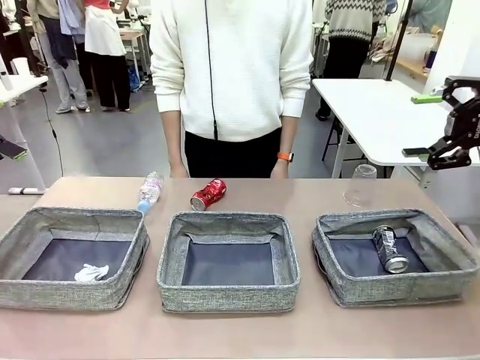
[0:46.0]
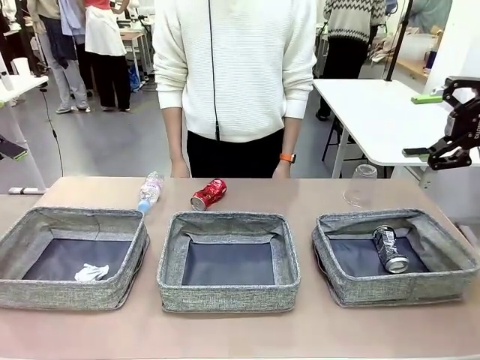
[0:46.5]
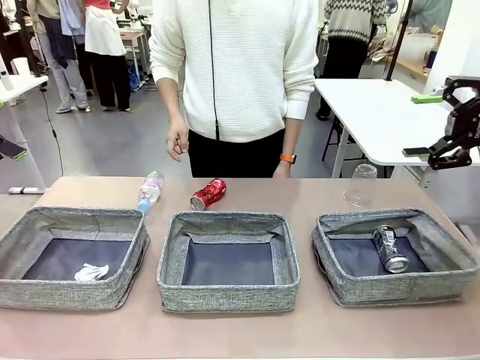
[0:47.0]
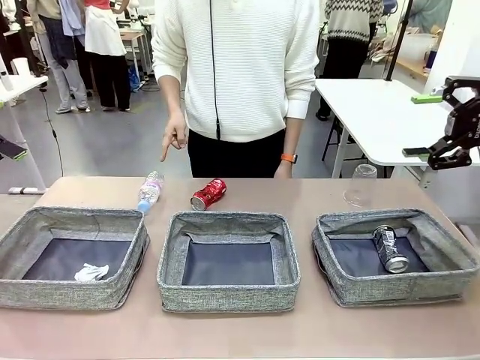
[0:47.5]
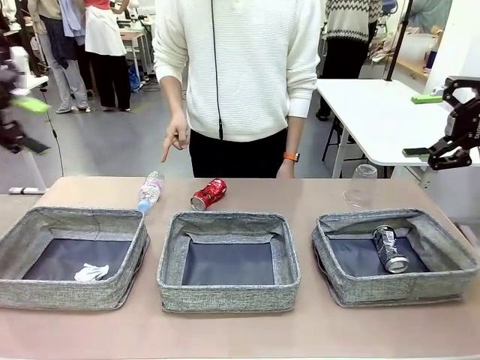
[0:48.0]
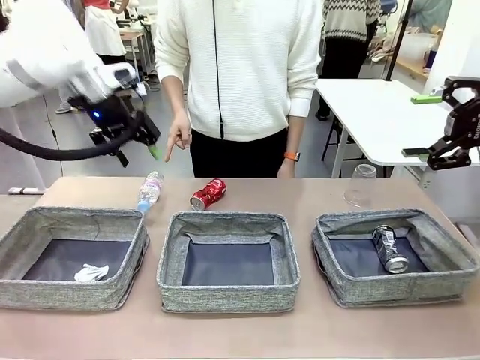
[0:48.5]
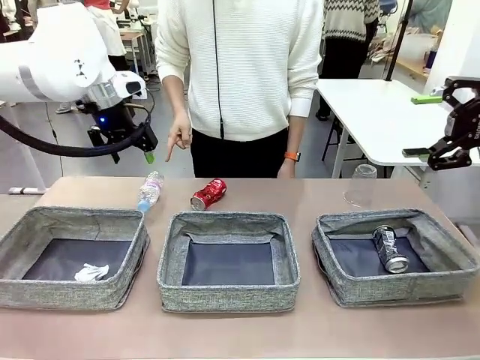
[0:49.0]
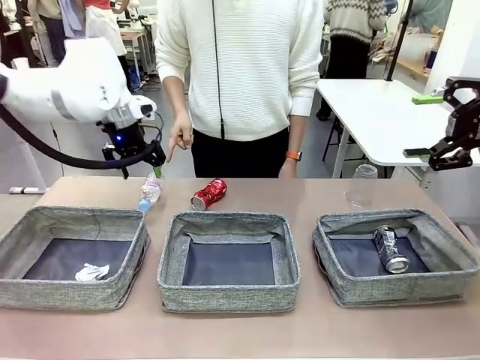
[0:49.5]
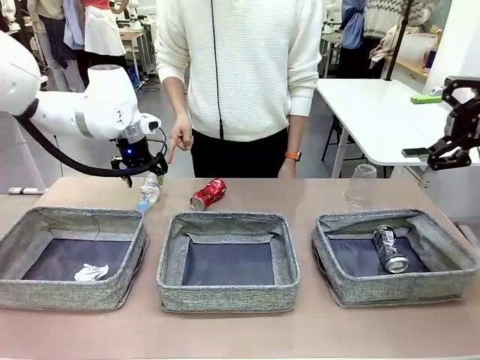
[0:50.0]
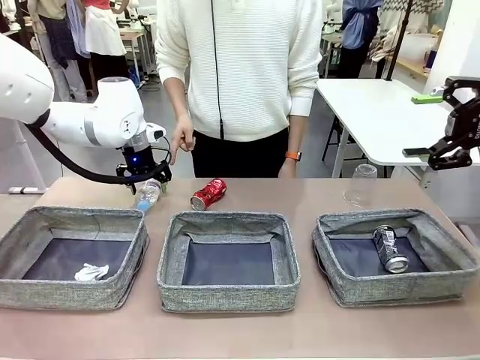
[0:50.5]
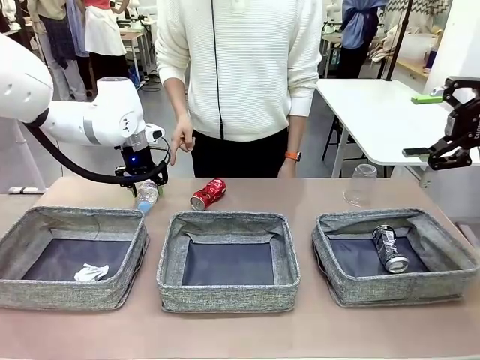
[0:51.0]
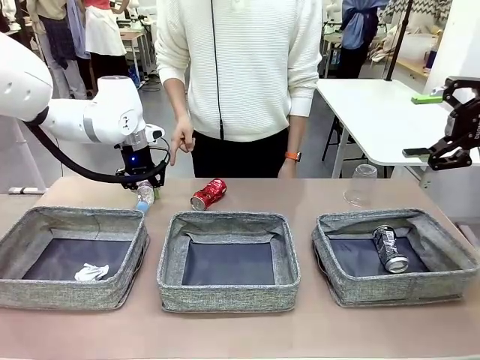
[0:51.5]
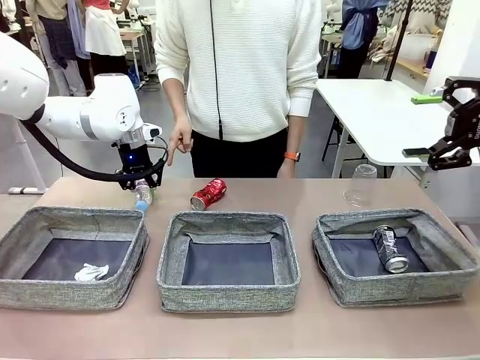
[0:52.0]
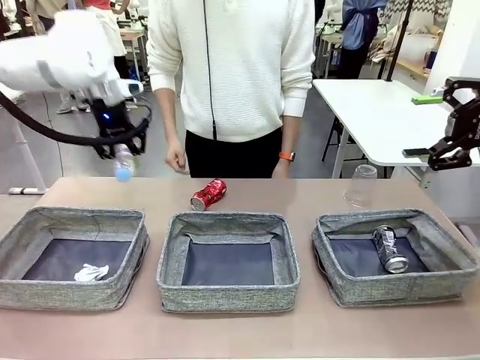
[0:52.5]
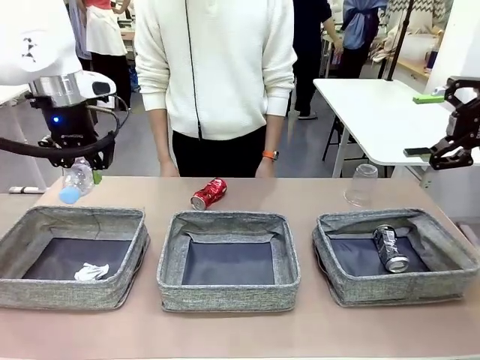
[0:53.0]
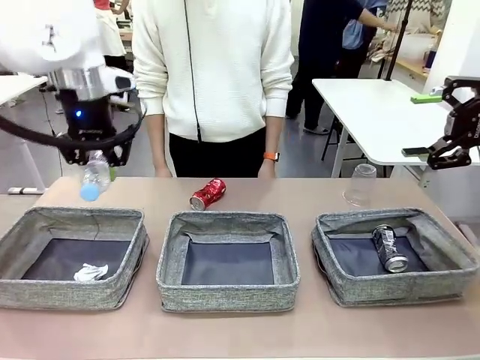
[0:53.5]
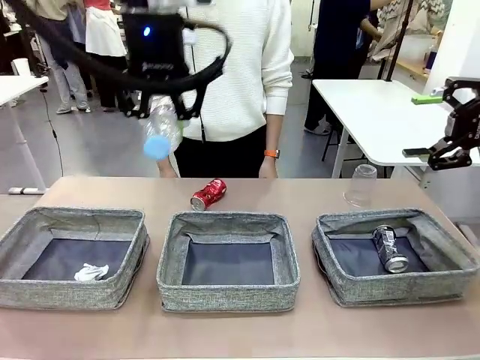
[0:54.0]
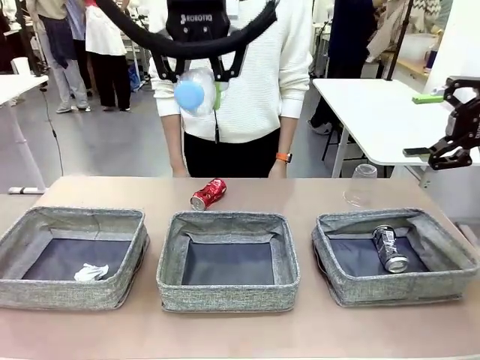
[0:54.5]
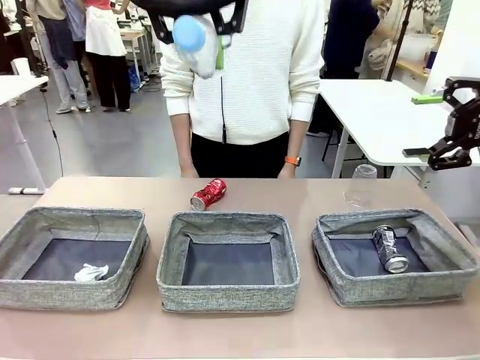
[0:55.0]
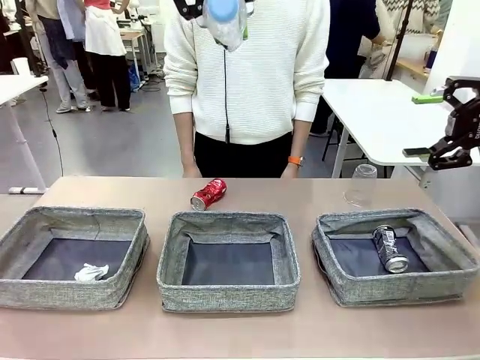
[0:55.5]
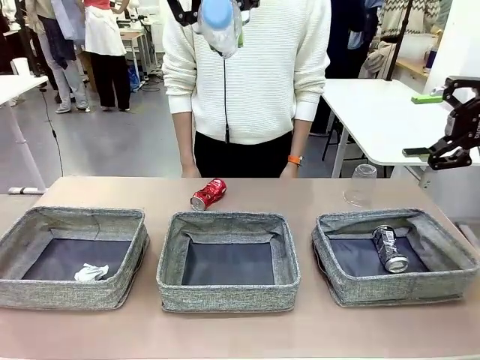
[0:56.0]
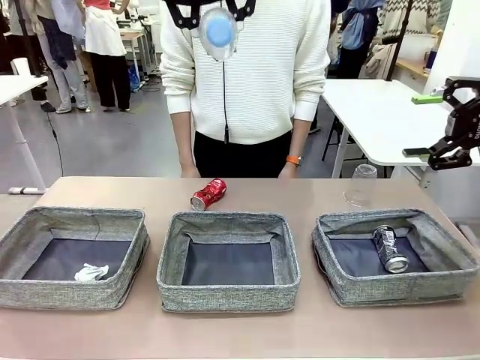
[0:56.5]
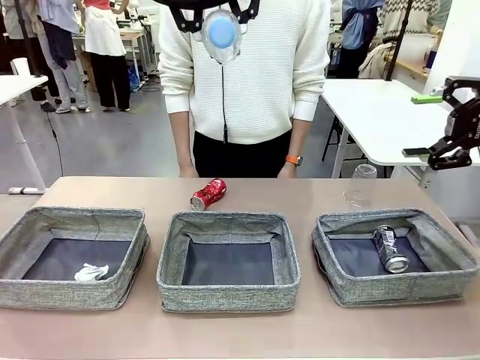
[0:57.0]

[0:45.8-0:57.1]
Task: Sort the waste into the appropriate baskets.
Robot: Pick up the waste item pointed out by the person.
Person: Points to one piece of trash on the table.

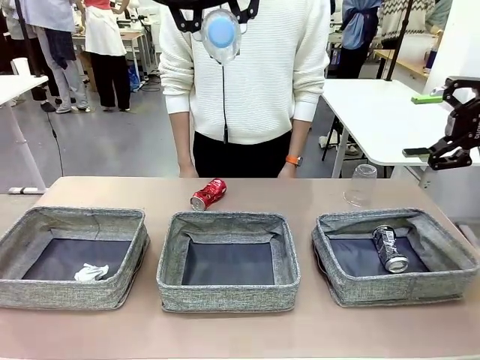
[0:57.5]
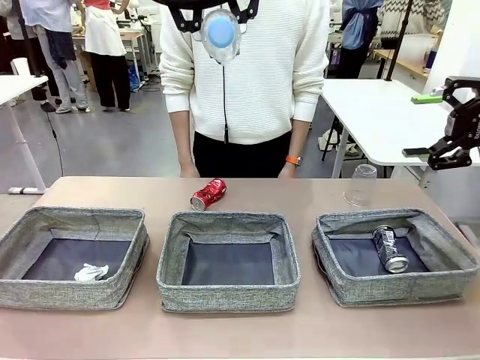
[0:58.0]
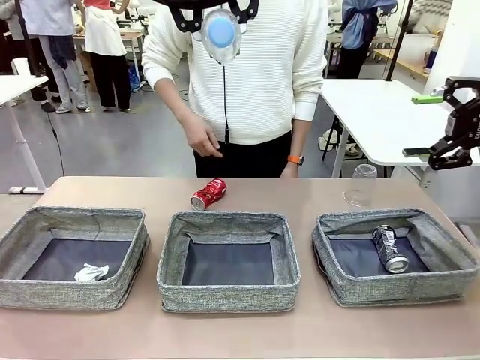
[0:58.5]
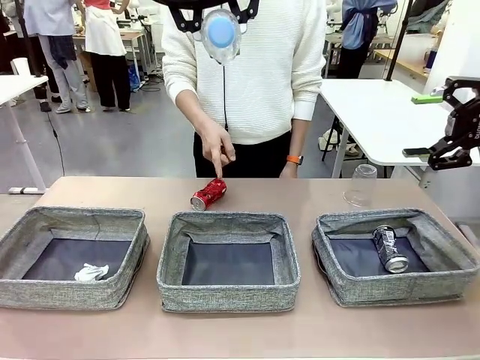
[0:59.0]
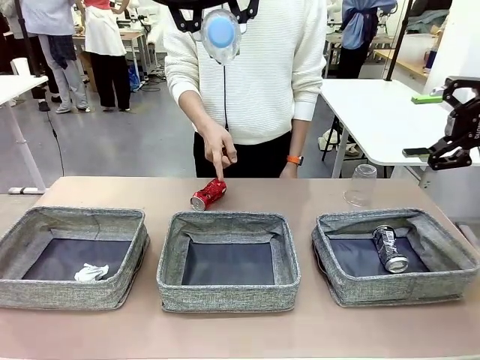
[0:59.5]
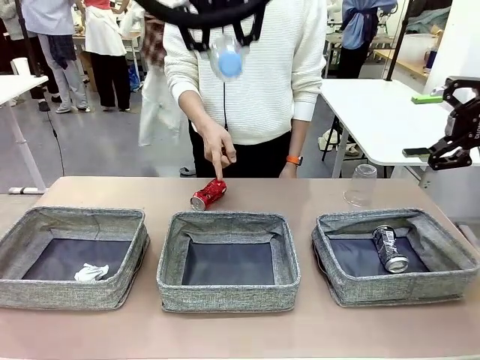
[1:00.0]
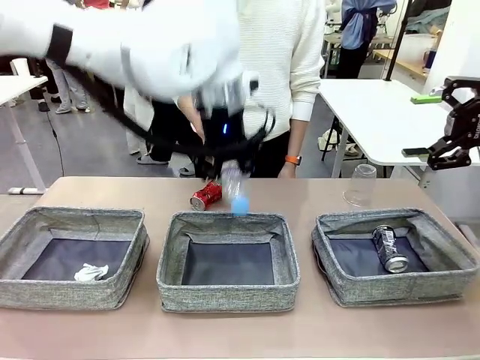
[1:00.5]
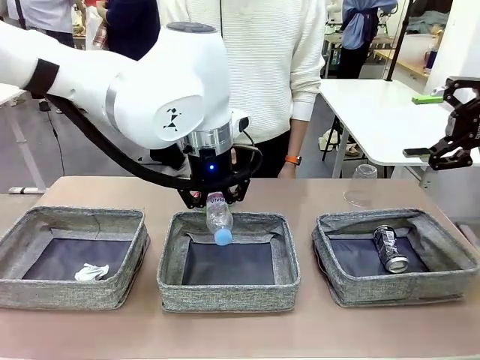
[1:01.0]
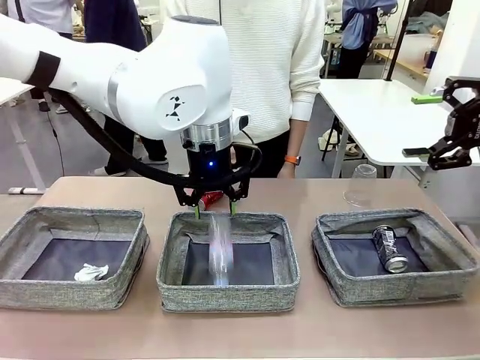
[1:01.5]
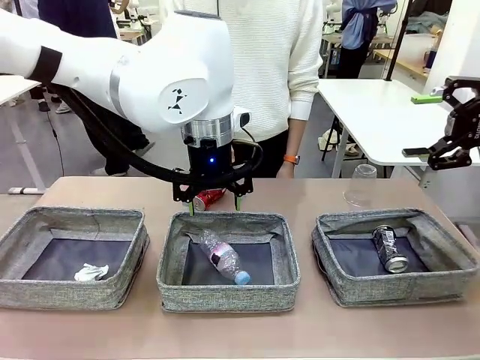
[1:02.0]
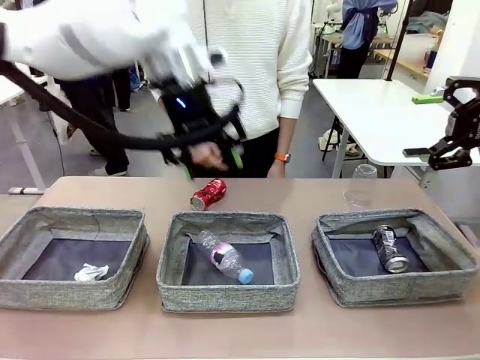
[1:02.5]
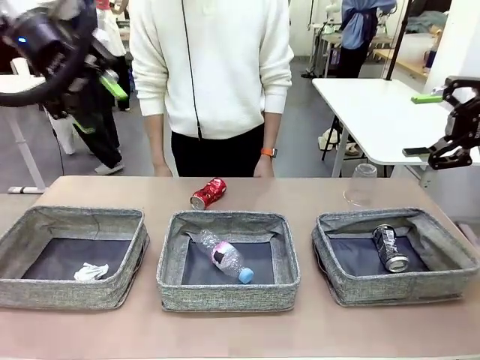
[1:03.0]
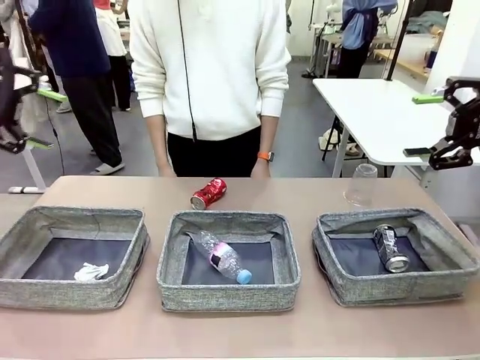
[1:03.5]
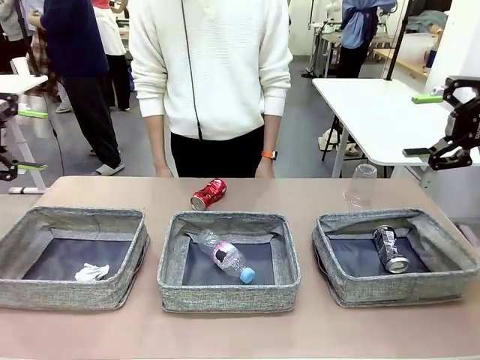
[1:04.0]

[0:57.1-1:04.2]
Robot: Place the picked waste into the Fabric basket indicated by the person.
Person: Instructs the robot to place the picked-up trash into the appropriate organizing basket.
